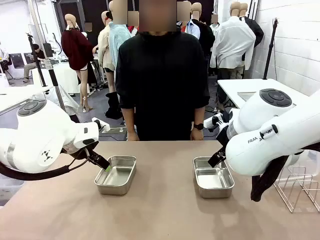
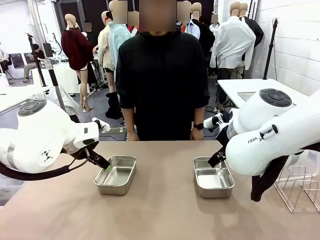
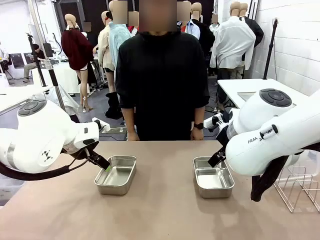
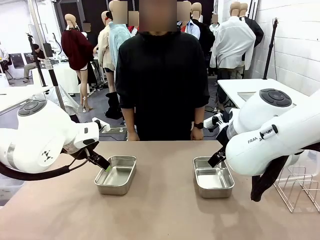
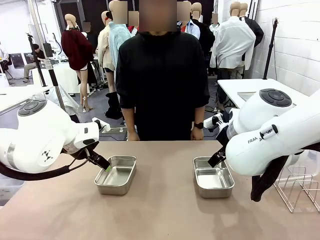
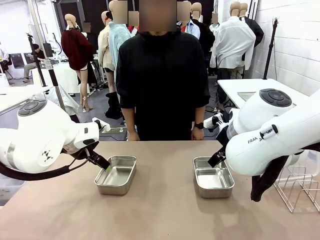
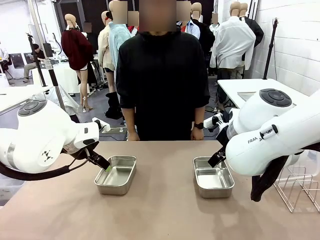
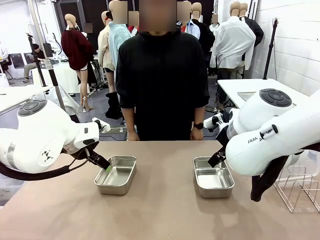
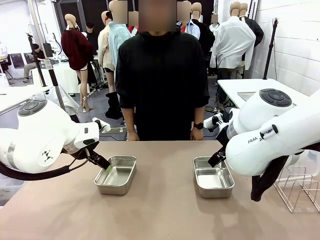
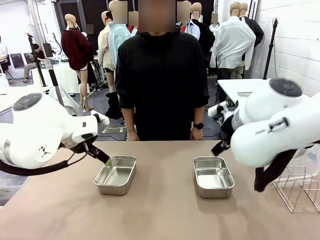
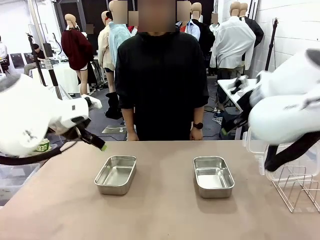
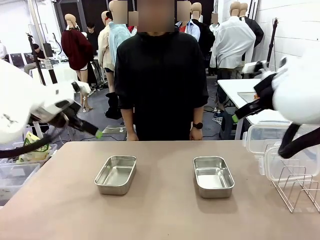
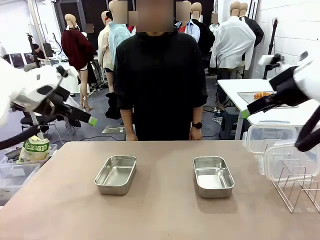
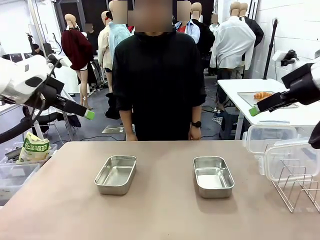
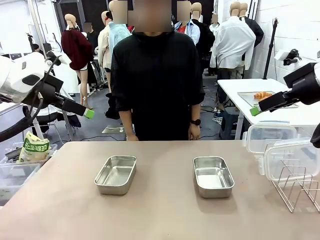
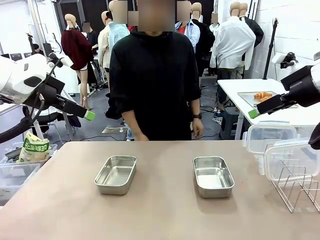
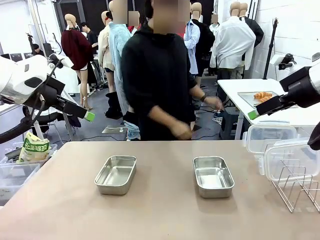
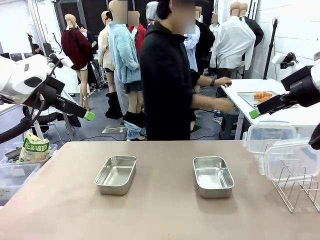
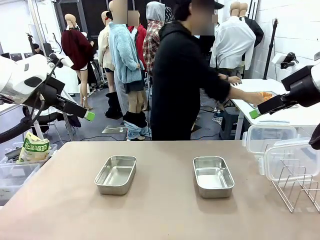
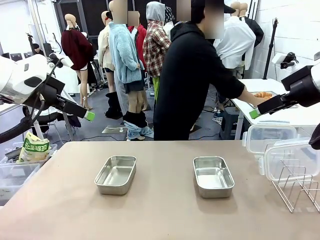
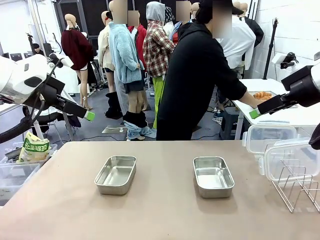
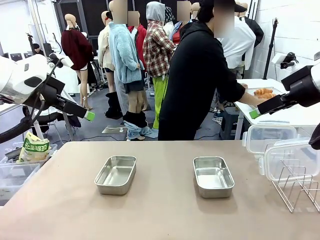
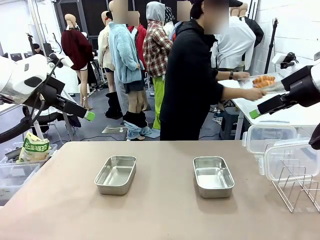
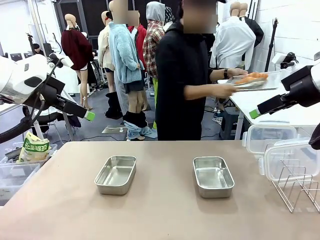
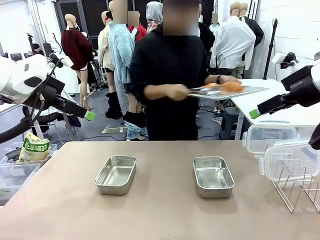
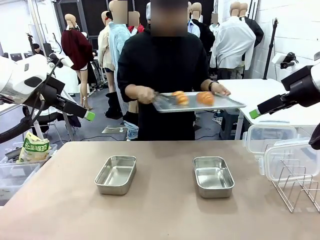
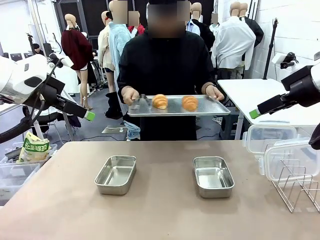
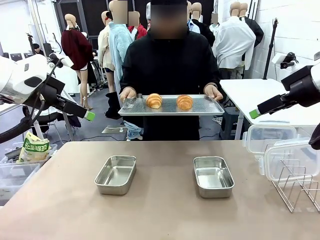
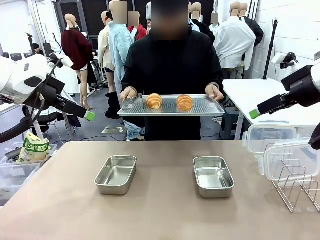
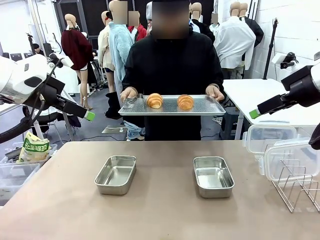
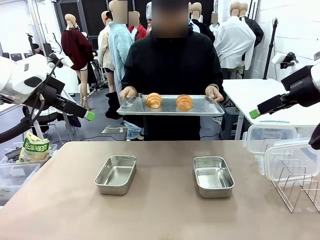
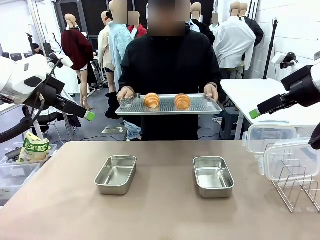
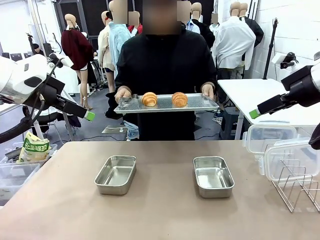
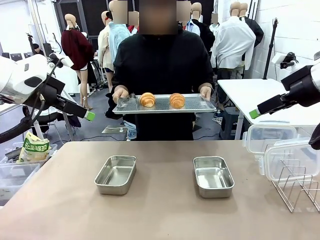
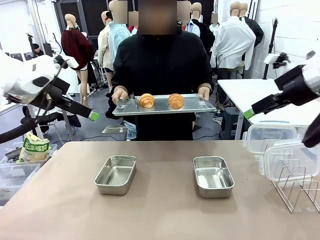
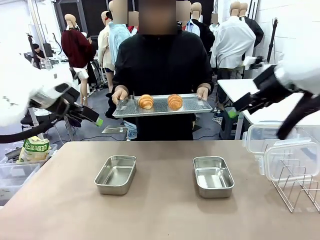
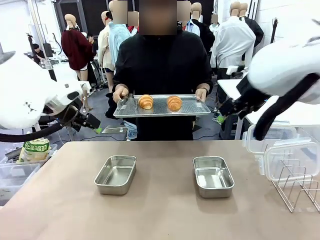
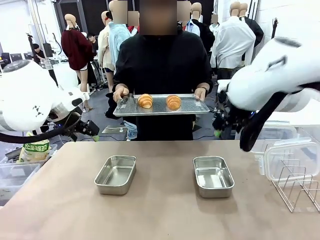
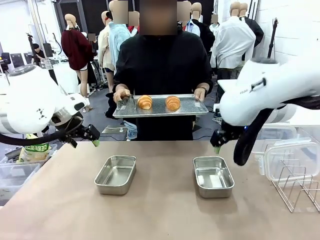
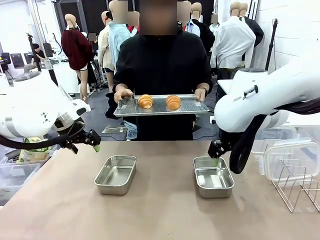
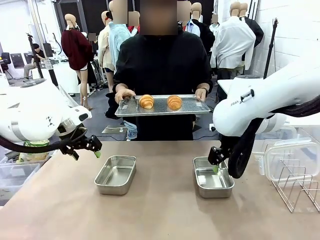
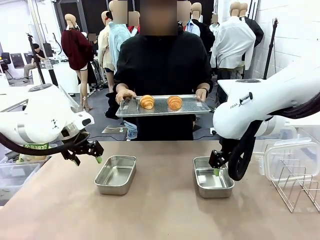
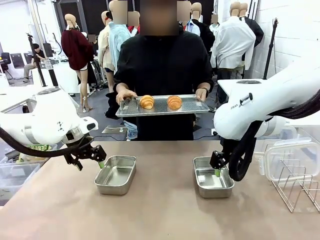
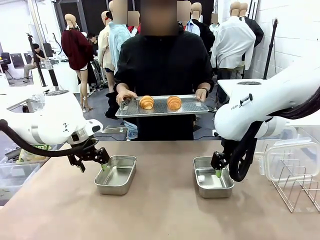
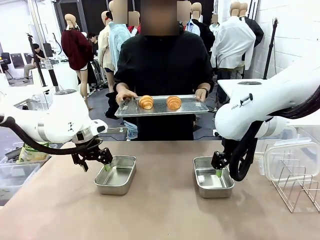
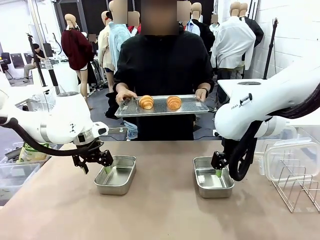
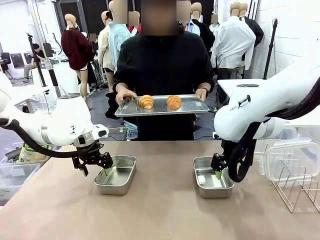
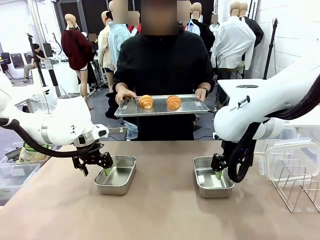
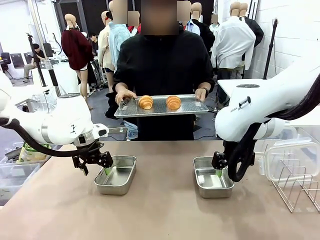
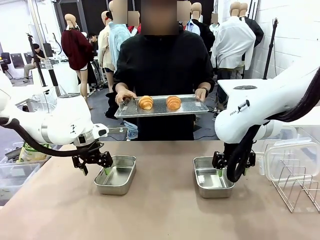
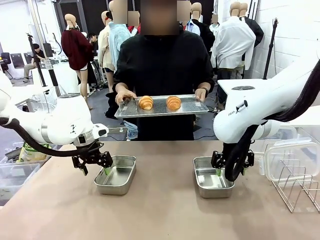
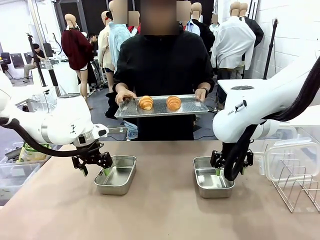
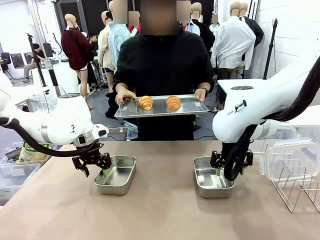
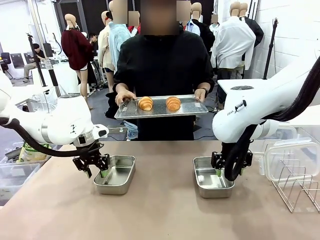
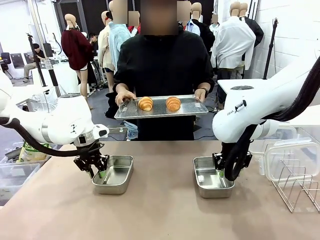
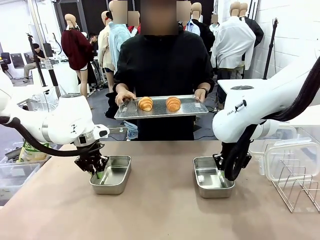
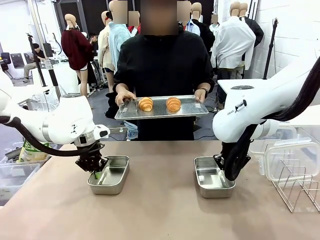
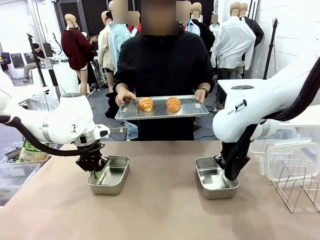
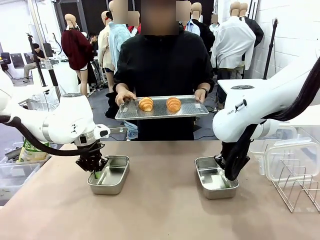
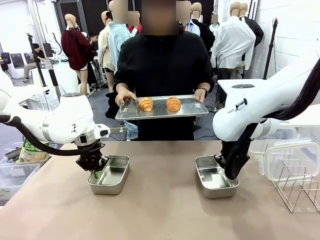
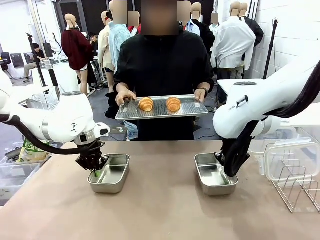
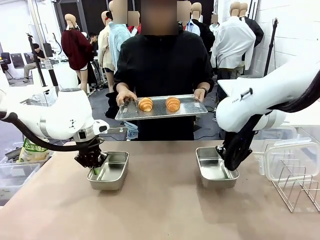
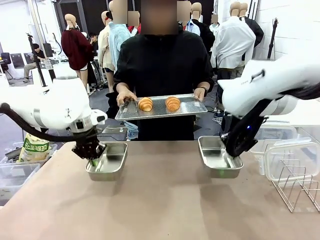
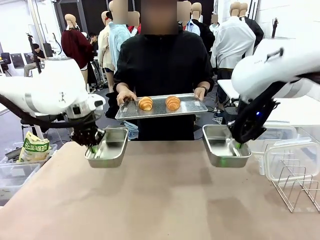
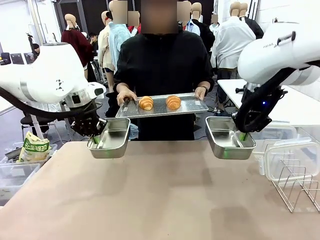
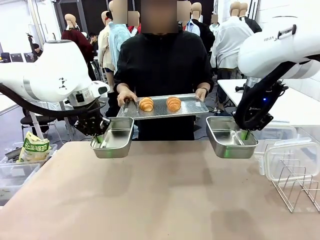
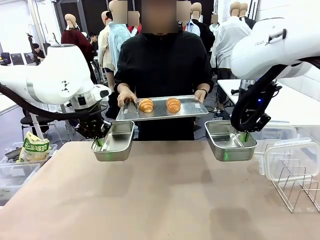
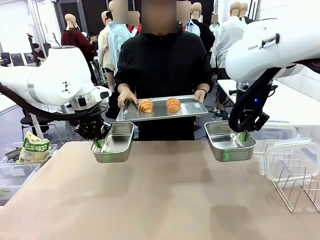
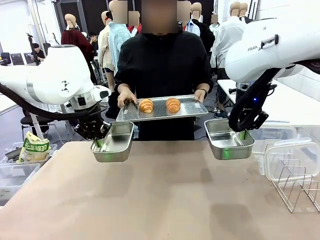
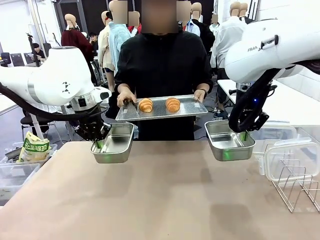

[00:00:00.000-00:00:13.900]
Task: Place the bread in airtight containers.
Robot: Lift both Airtight Container.
Person: Bring the Baking Sheet in front of Robot's Table.
